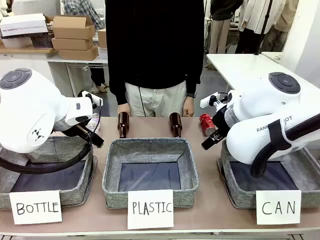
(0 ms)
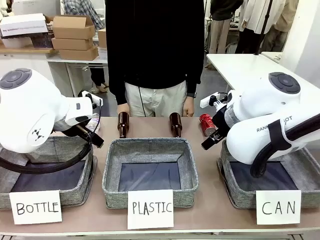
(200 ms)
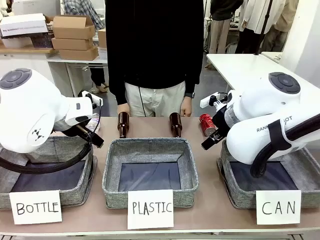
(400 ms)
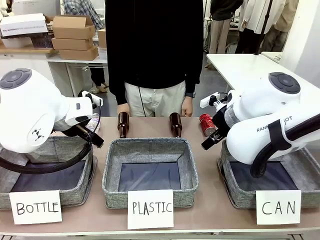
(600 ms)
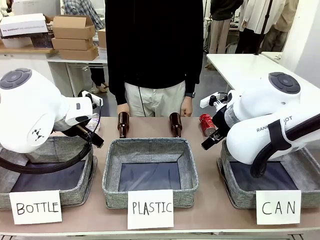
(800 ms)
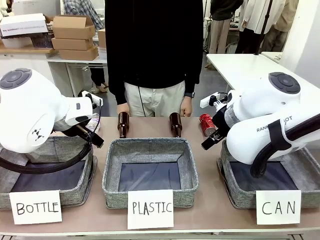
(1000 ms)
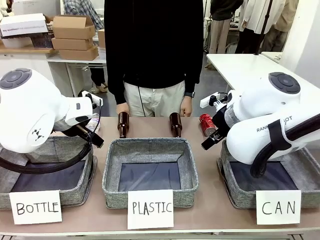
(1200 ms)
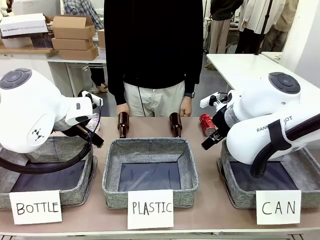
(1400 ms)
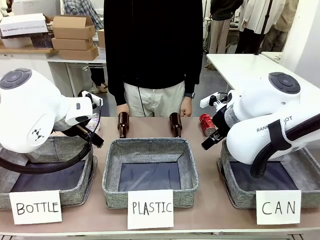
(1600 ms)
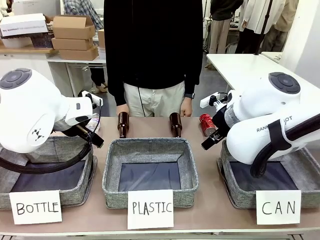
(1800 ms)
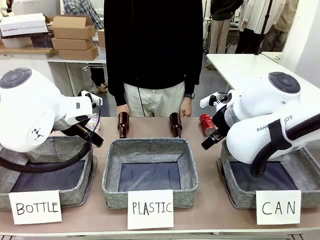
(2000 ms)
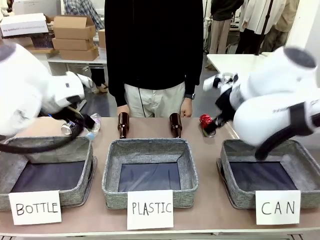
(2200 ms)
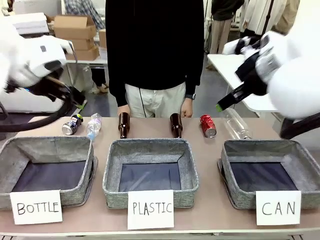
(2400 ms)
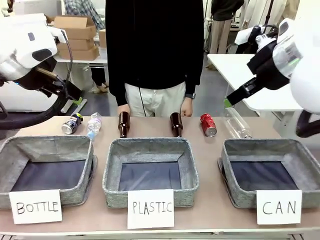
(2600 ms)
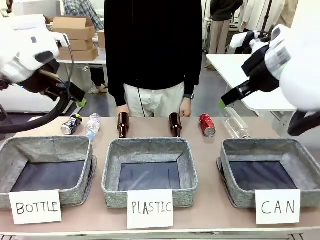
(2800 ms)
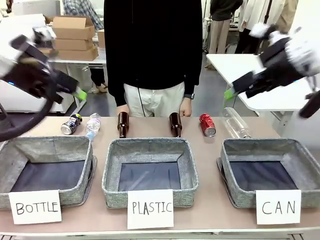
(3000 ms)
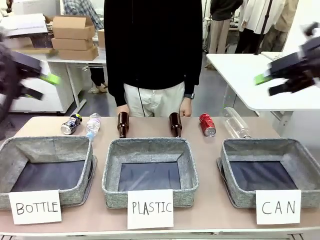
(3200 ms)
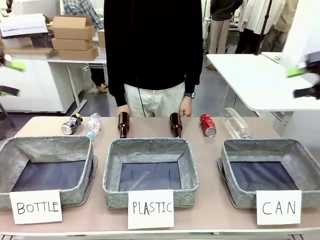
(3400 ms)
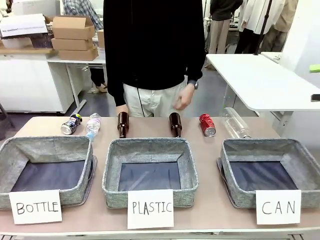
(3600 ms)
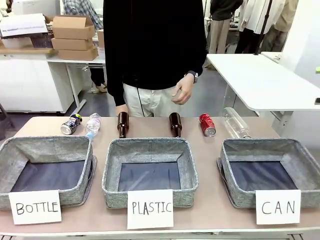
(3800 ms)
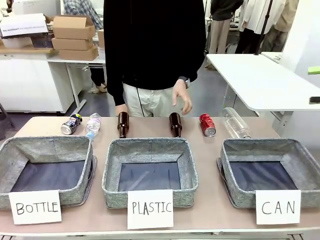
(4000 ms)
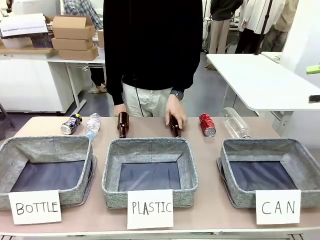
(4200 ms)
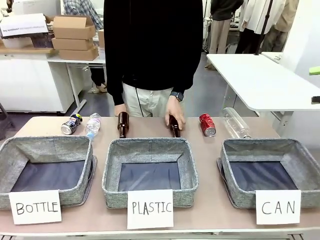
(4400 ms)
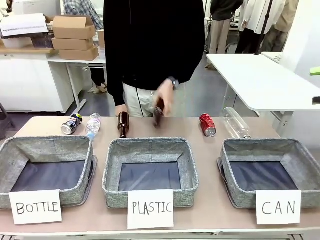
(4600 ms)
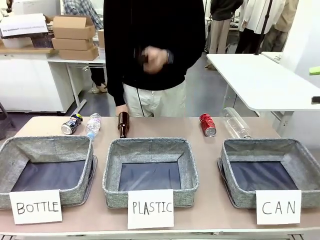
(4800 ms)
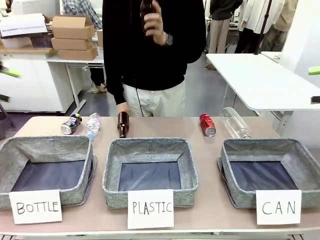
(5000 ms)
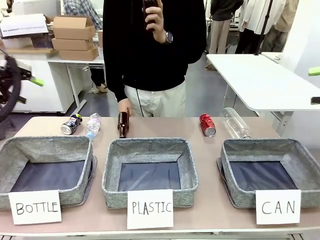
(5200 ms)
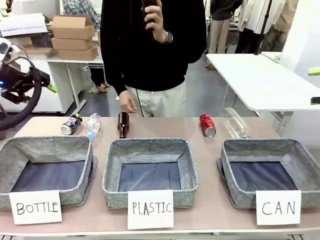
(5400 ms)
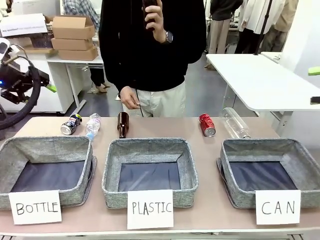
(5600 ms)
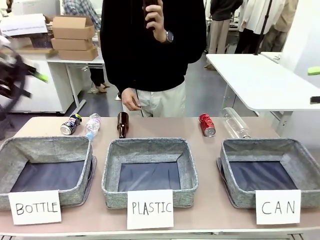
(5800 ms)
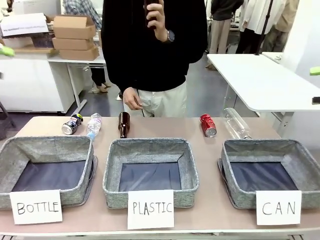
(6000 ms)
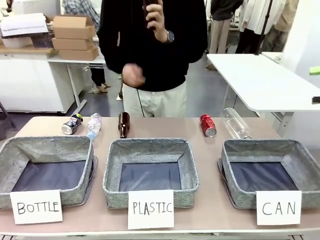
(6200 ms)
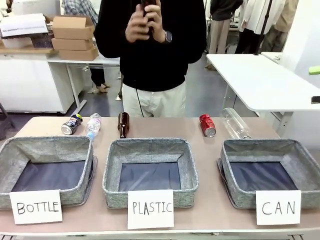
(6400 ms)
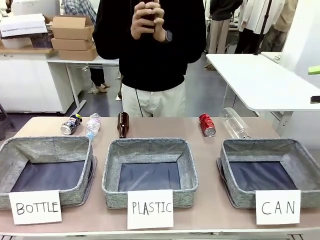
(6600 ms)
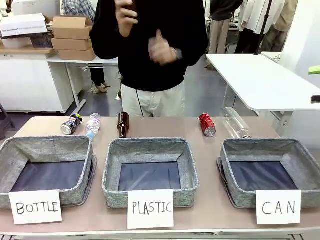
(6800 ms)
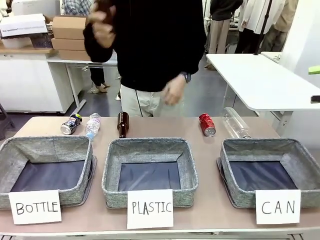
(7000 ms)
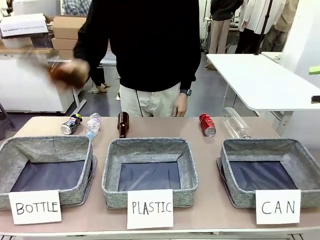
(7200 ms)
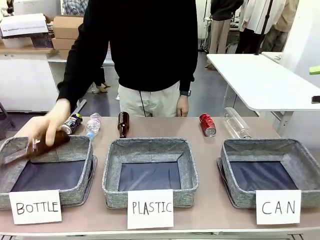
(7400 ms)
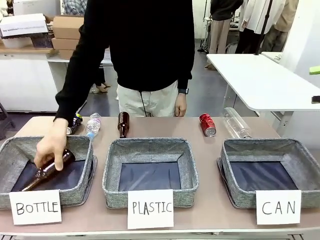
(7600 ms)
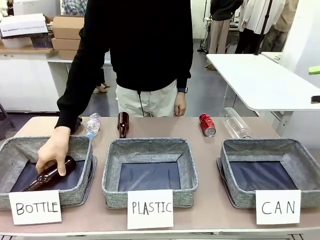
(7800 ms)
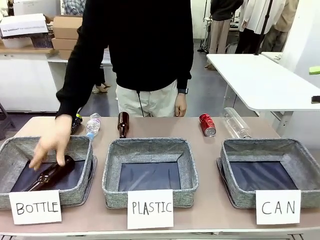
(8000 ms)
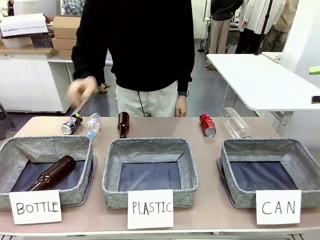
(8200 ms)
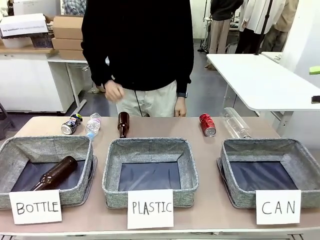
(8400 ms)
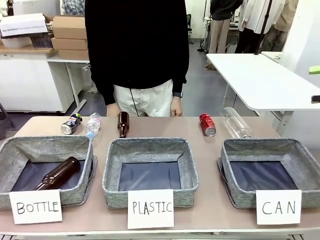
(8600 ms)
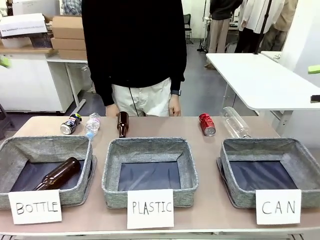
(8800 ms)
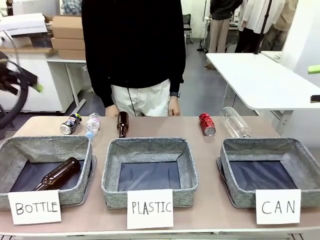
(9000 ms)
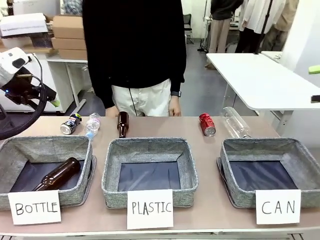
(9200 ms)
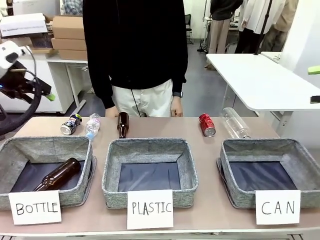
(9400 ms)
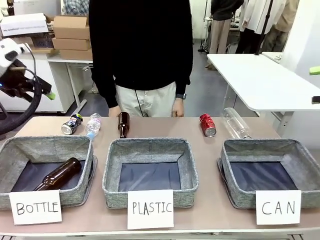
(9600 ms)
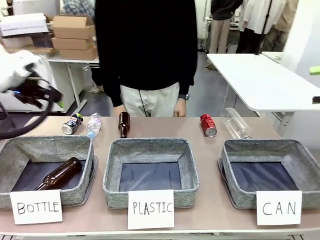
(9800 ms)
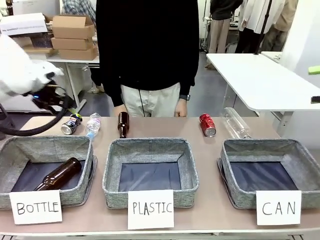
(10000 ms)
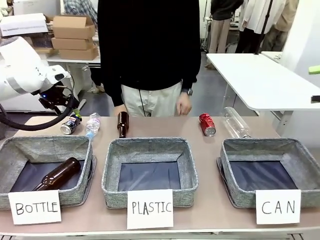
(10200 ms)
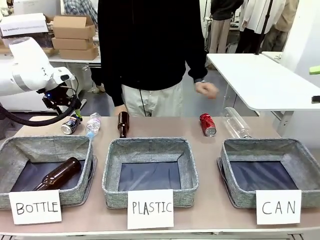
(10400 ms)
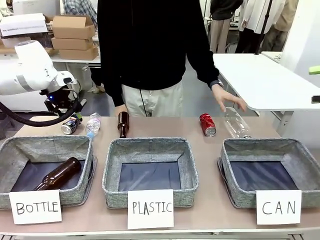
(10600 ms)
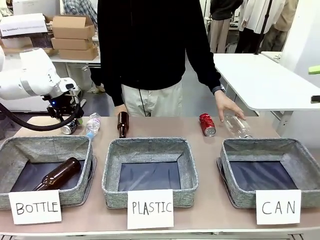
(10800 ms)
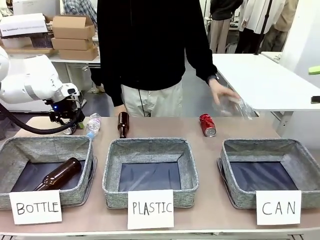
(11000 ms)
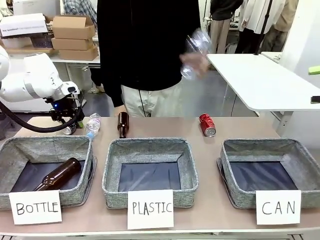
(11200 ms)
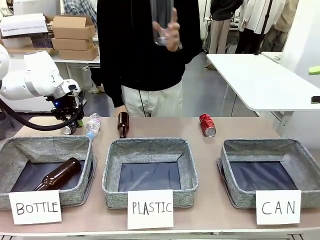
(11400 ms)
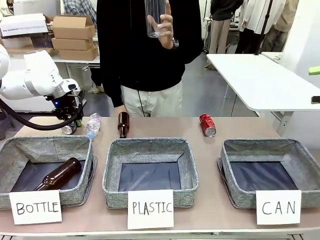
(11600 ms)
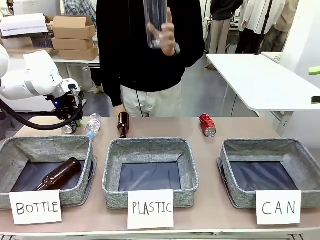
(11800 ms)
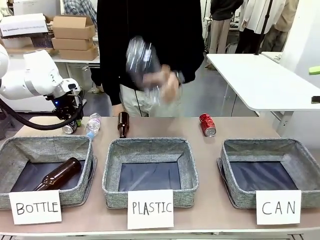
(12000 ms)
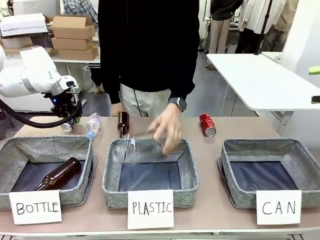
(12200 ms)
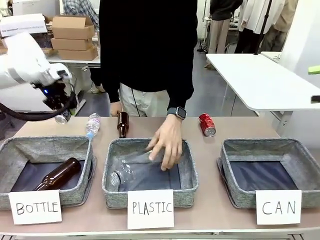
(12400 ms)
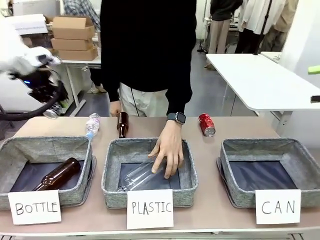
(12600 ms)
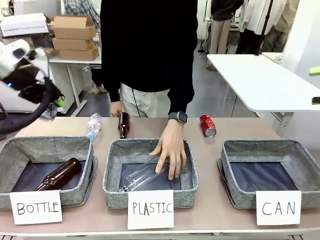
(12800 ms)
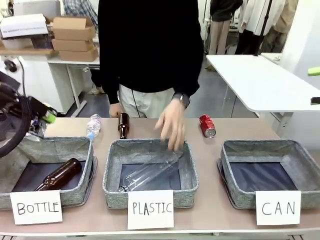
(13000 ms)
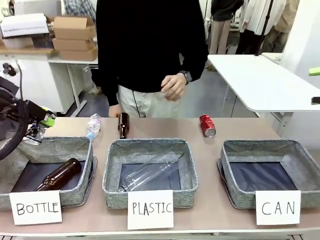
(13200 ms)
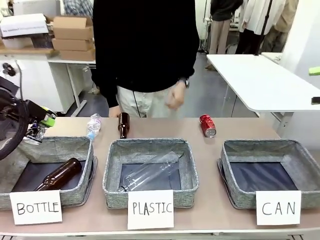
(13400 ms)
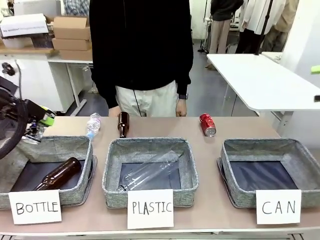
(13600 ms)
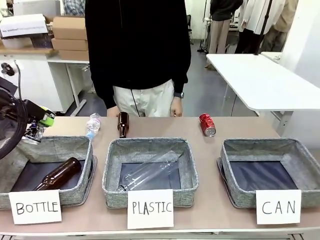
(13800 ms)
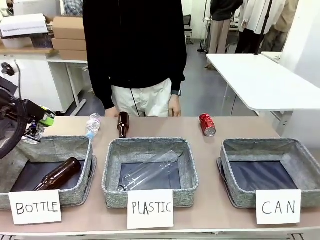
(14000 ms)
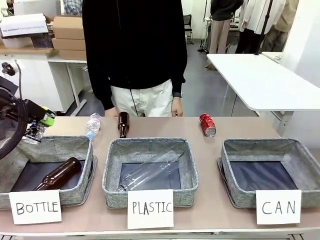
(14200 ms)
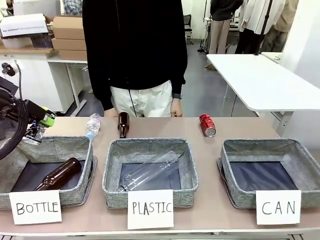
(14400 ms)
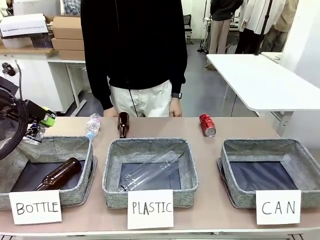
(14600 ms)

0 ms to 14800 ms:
Task: Sort the can waste into the basket.
Robot: Pick up the can waste from the table and place it in the right Fabric basket.
